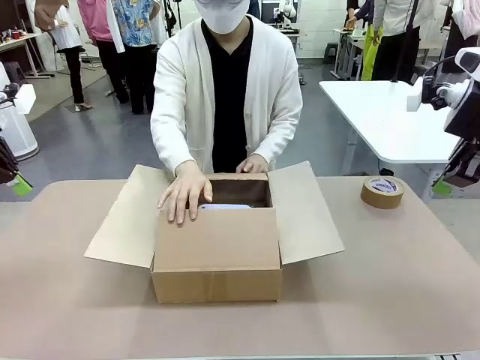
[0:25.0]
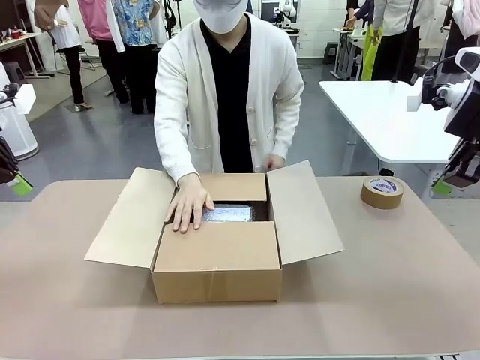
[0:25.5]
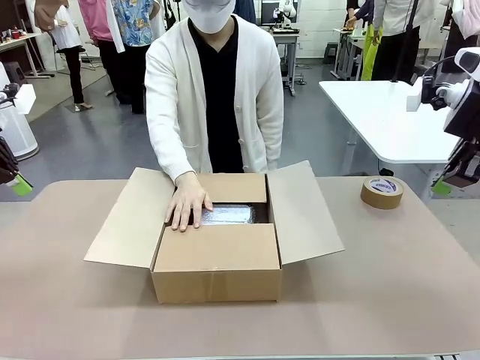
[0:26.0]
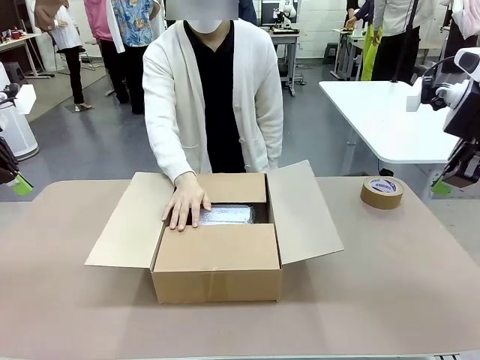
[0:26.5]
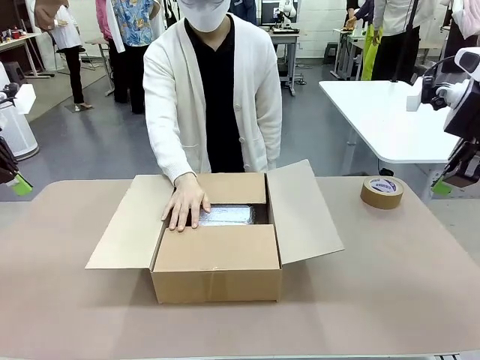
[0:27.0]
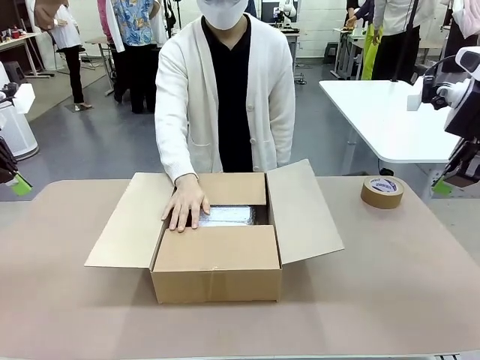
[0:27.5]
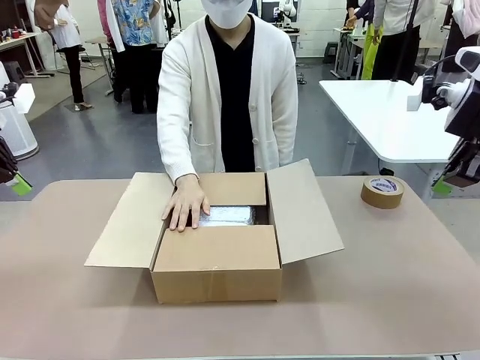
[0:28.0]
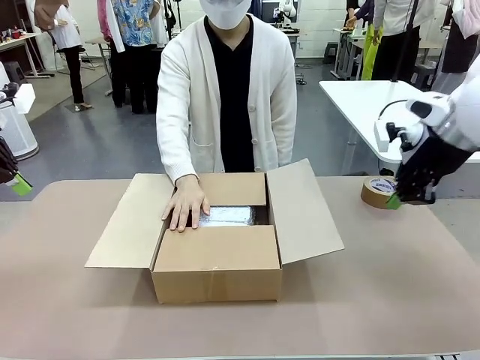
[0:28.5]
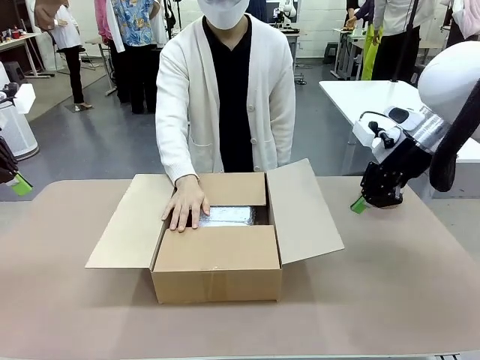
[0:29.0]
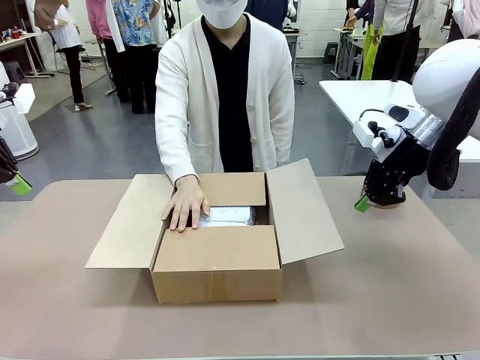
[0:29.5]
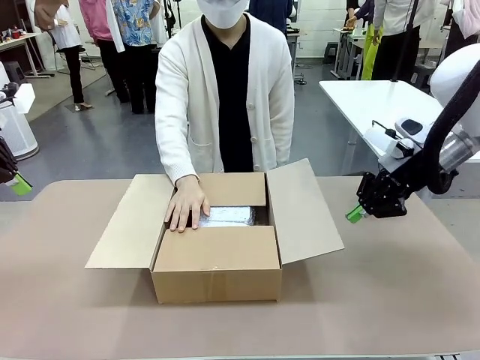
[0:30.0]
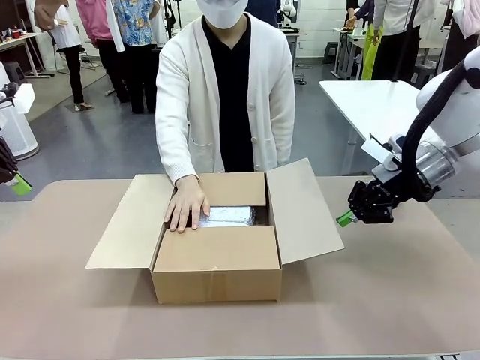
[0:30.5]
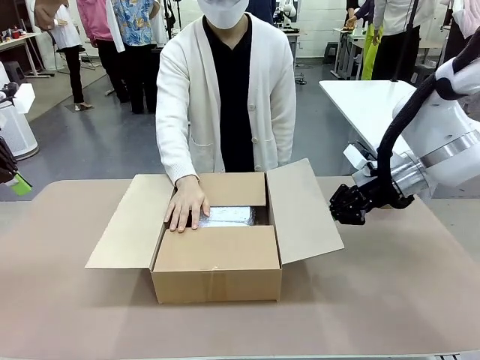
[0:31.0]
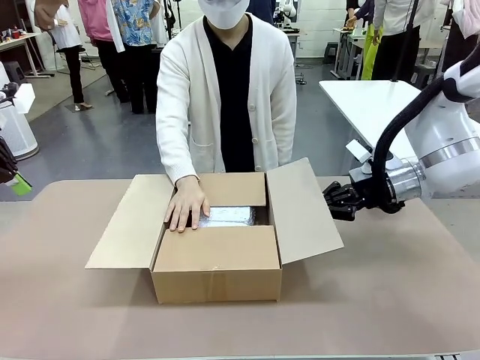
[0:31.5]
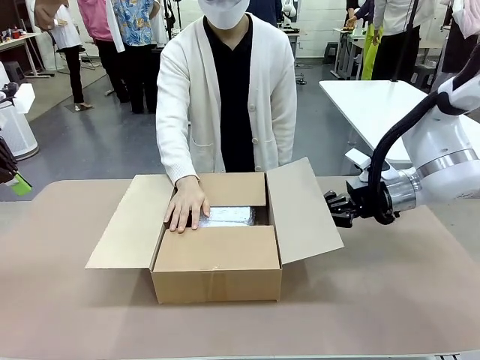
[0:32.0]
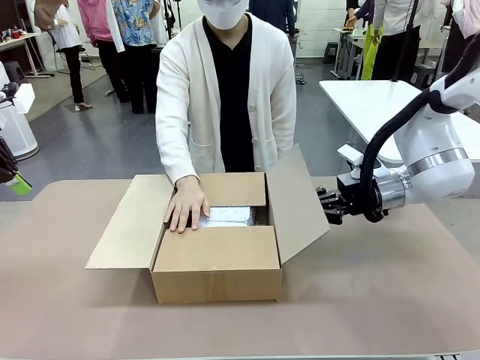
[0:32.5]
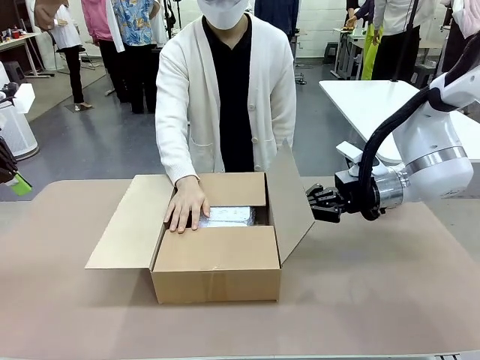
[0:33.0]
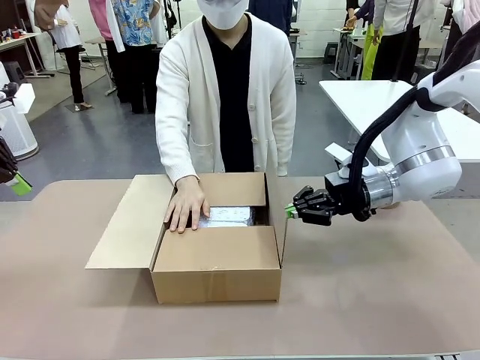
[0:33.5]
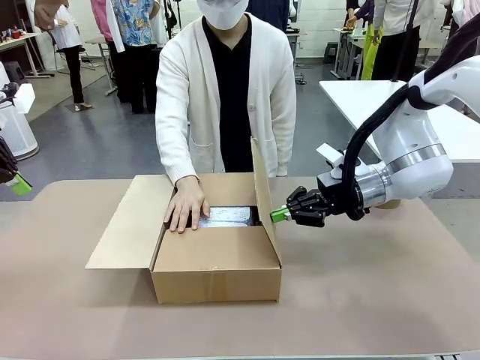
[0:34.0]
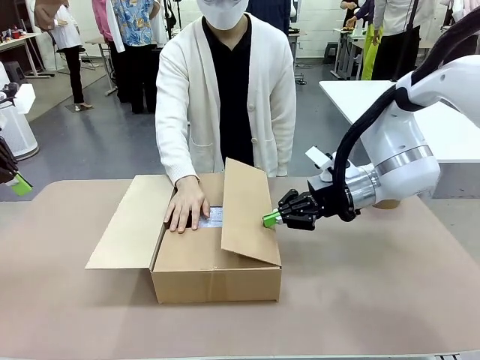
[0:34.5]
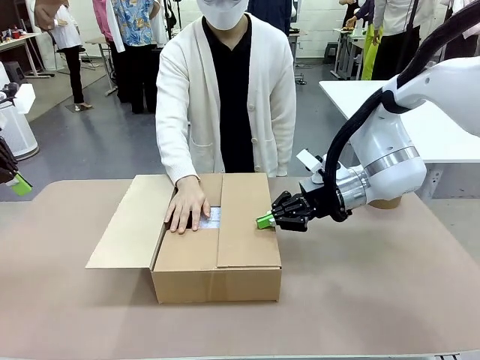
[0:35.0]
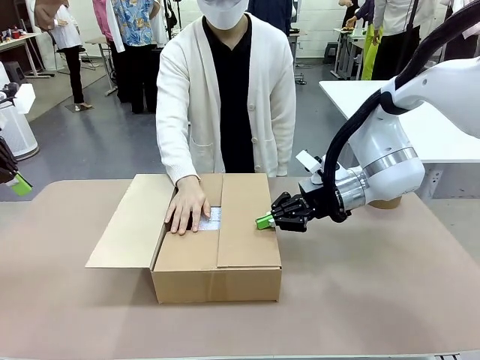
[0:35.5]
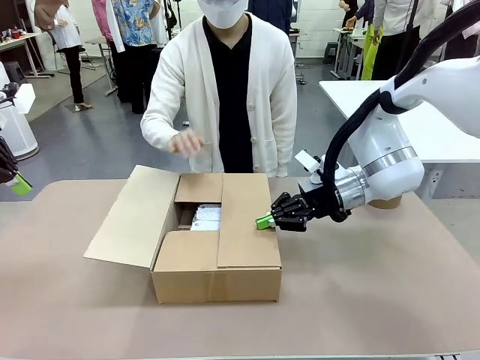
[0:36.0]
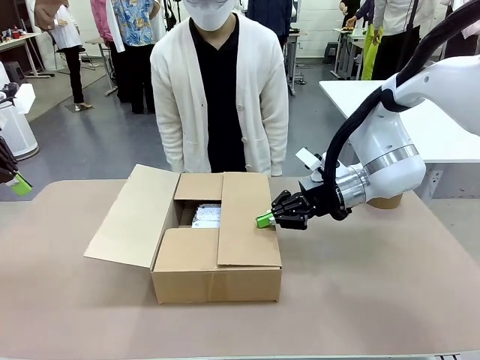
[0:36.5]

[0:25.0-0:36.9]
Task: Wrap the clocks to prevent damage.
Robot: Push the right (or left) flap of the Package Box to close it.
Person: Once the robot closes the right flap of the Package Box , release your left hand from the box.

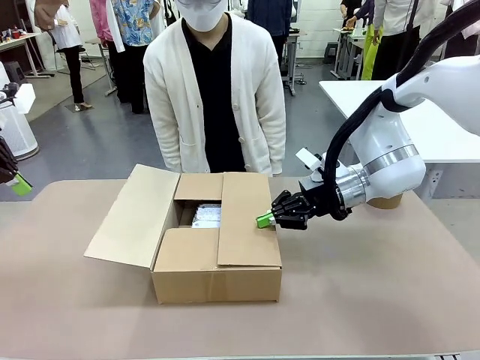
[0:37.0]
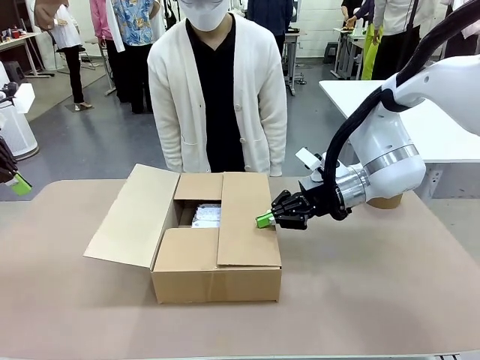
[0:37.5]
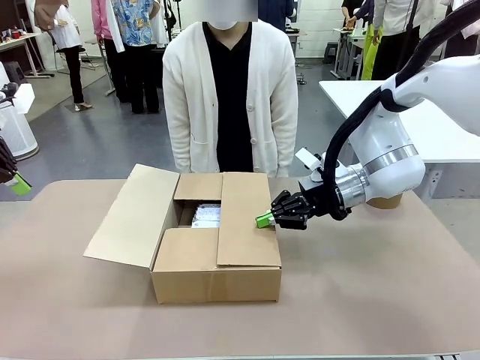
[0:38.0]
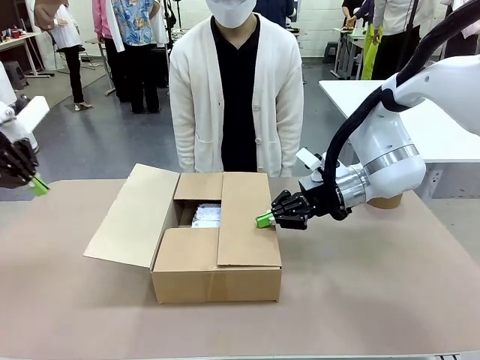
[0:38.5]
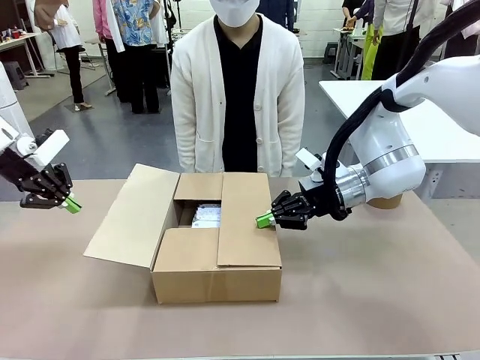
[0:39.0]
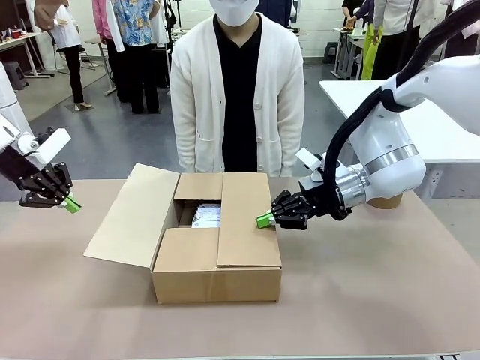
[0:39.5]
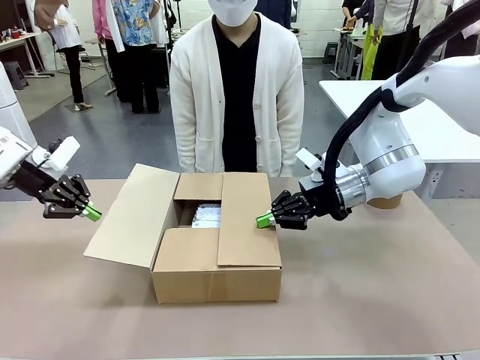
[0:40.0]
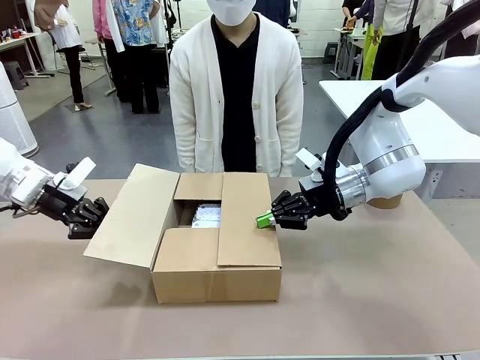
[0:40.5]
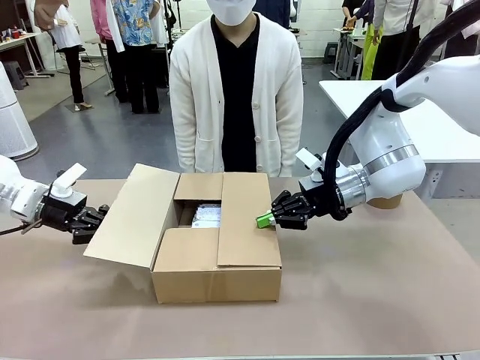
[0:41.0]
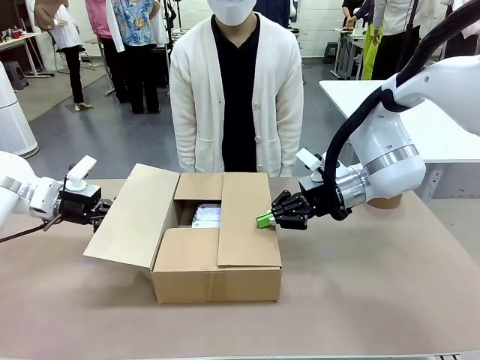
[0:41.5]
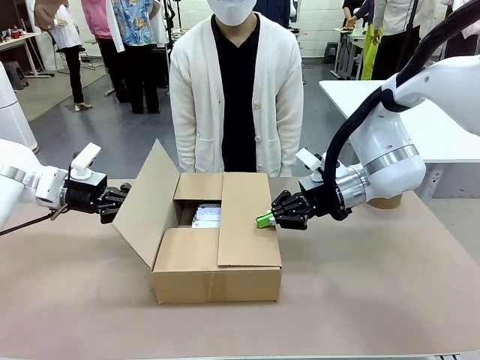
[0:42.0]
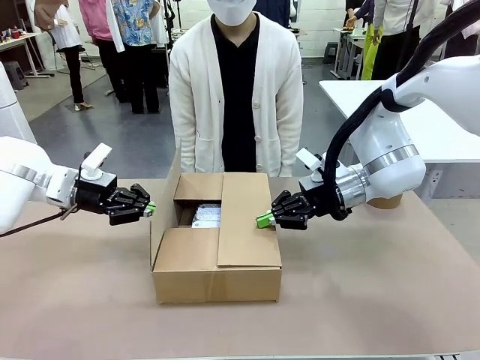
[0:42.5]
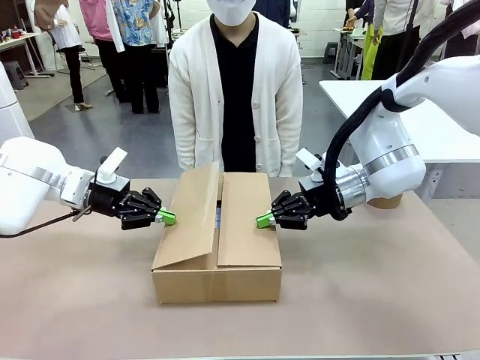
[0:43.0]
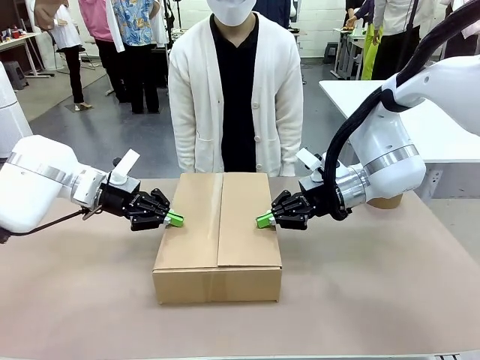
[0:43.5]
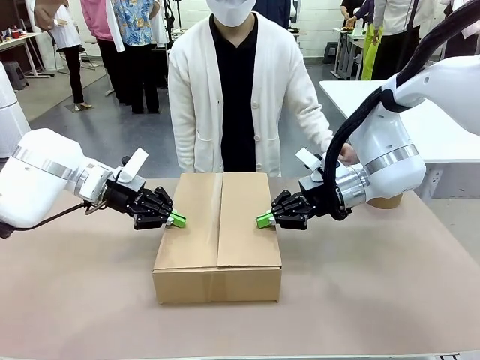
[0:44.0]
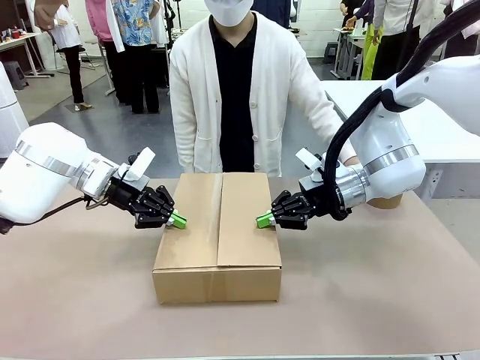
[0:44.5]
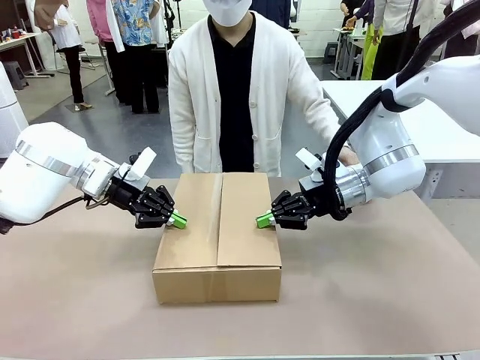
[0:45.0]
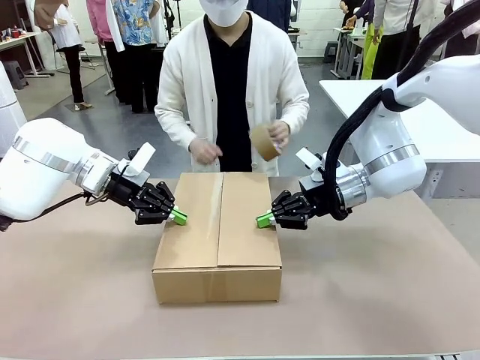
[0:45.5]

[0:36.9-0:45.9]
Robot: Push the left (or right) flap of the Package Box to close it.

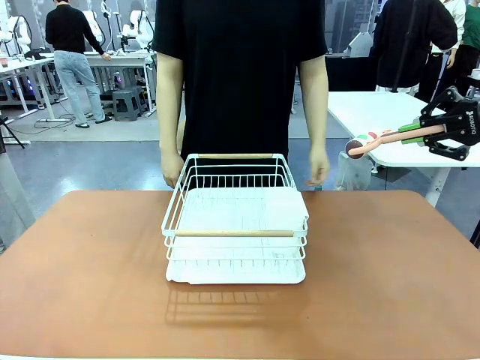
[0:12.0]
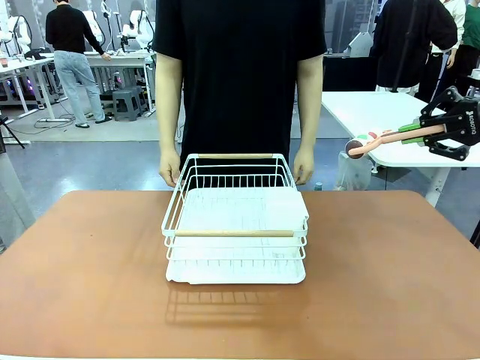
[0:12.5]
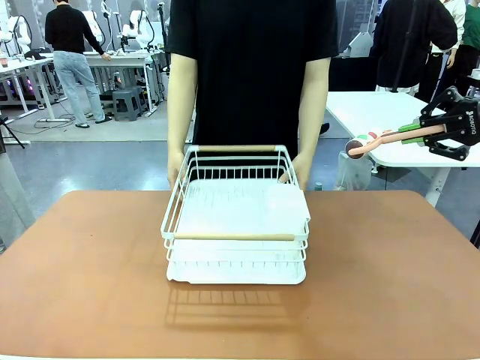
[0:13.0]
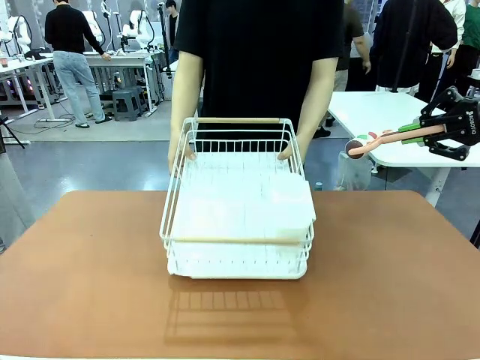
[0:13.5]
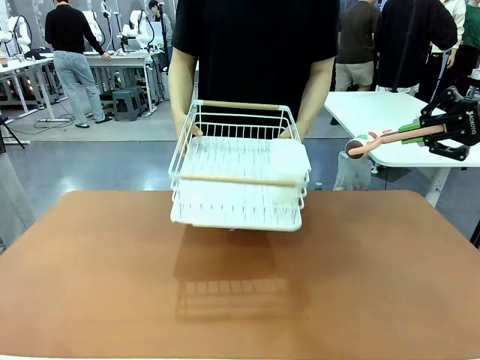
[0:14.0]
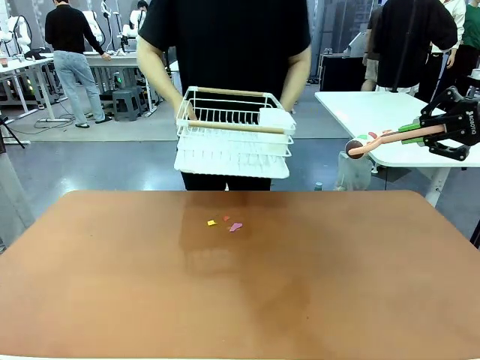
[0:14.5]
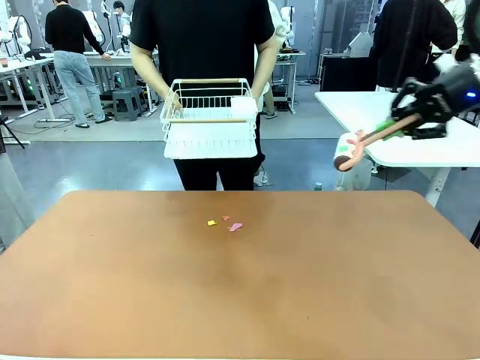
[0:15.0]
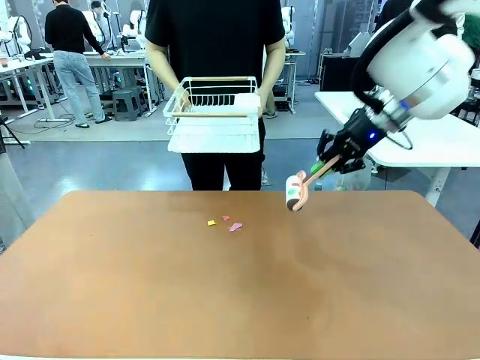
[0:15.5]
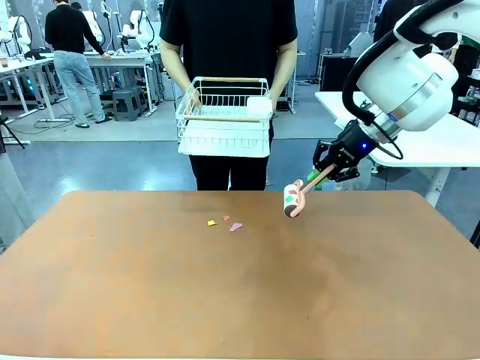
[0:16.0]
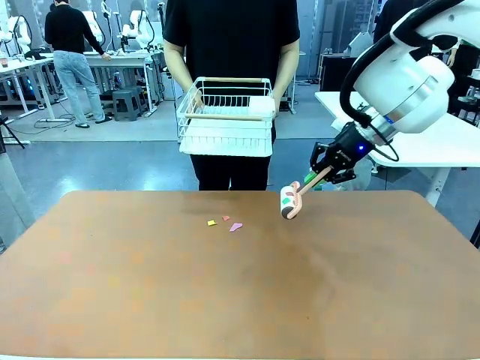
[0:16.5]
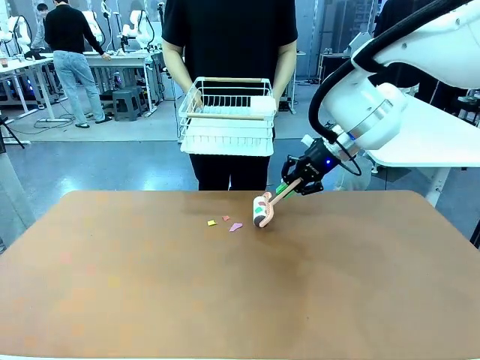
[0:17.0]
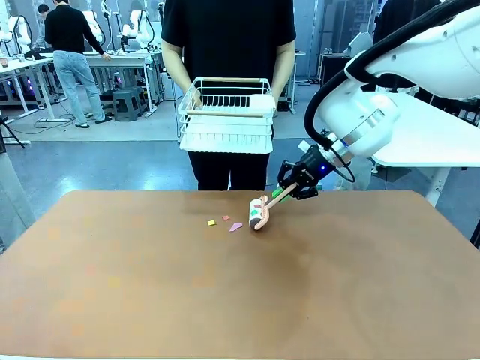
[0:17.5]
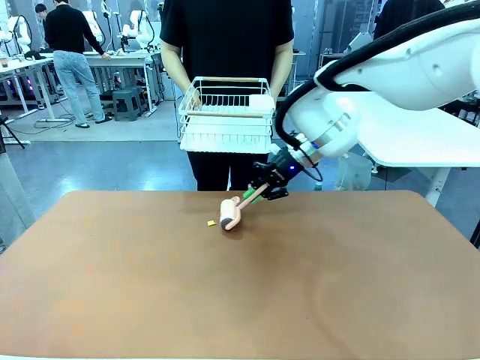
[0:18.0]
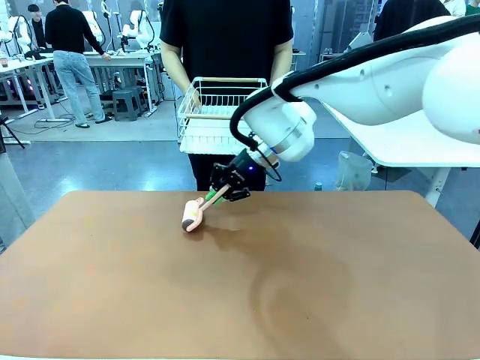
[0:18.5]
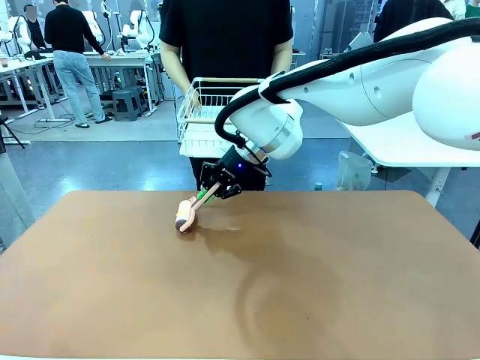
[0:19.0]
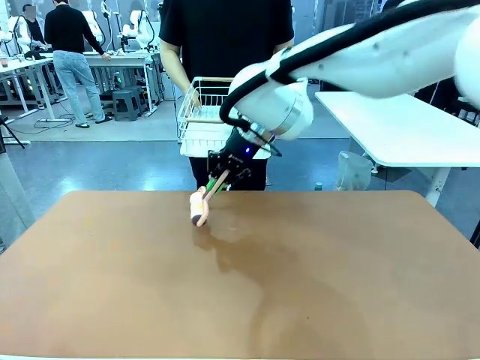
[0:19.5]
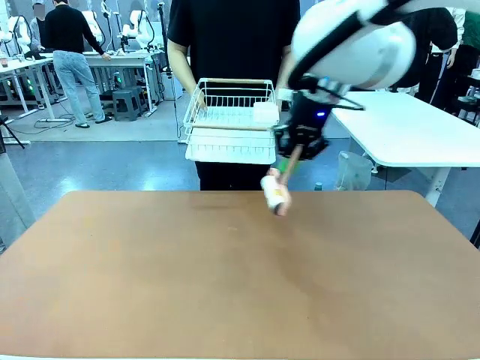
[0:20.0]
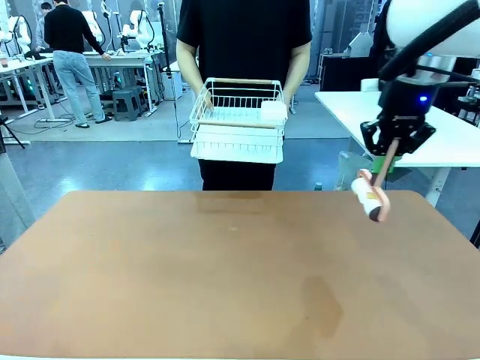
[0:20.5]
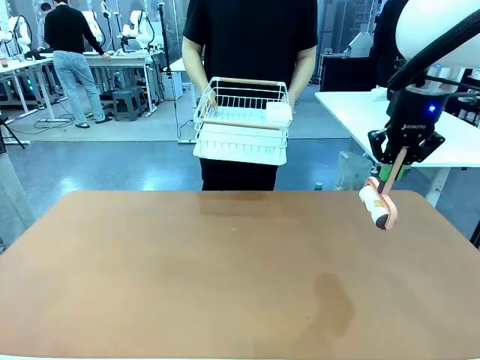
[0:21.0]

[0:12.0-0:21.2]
Task: Clean the table.
Robot: Clean the table with the Lint Roller when the human lifts the Dish drying rack.
